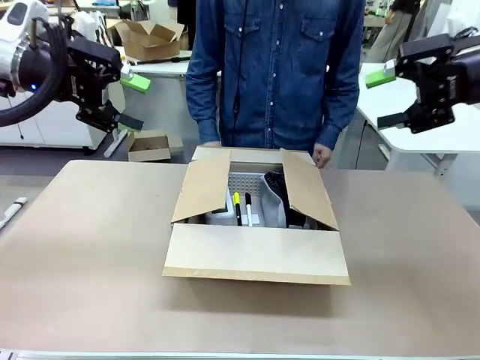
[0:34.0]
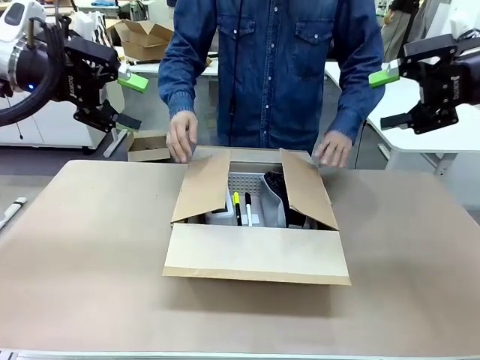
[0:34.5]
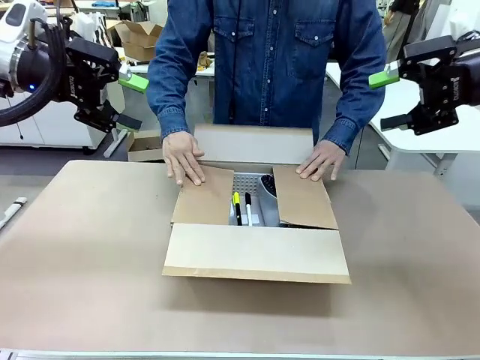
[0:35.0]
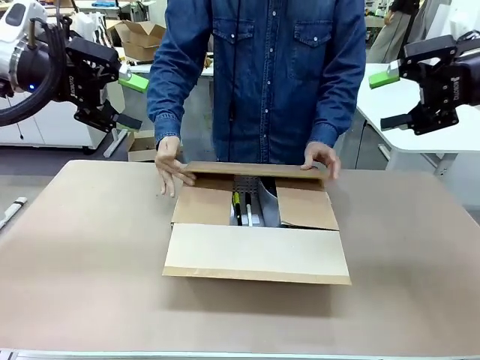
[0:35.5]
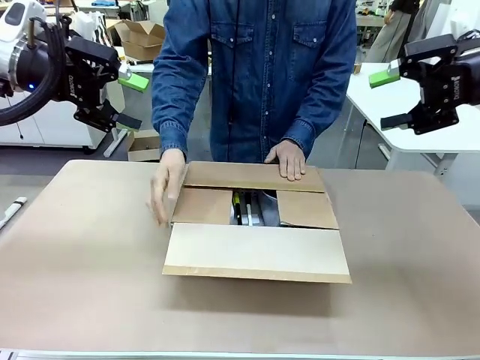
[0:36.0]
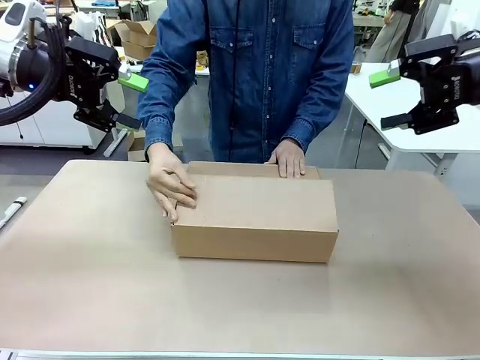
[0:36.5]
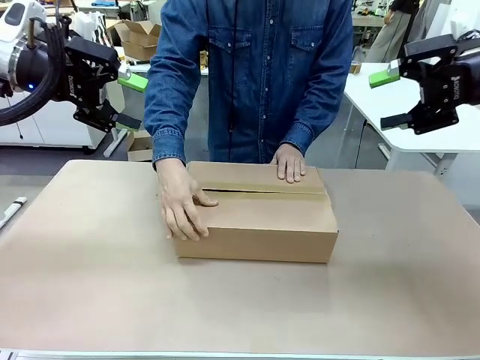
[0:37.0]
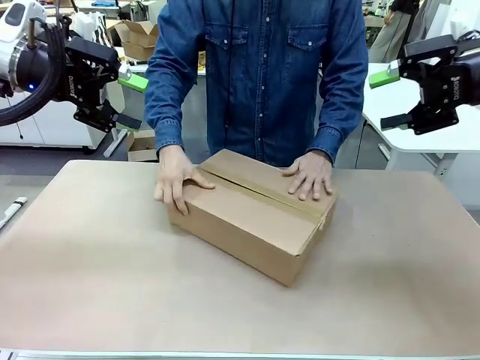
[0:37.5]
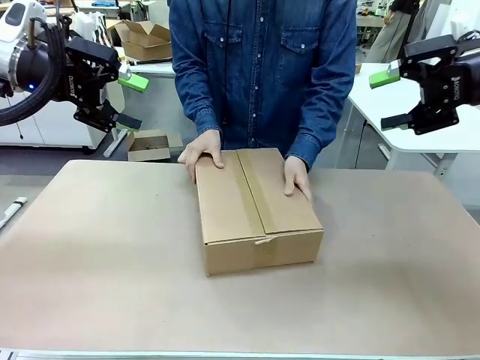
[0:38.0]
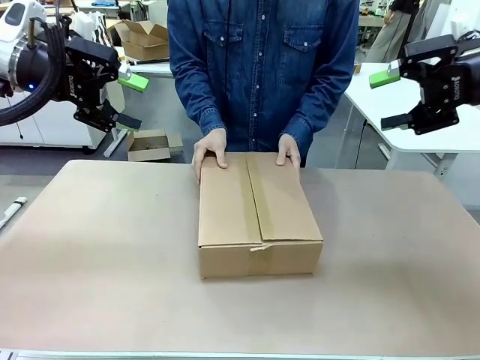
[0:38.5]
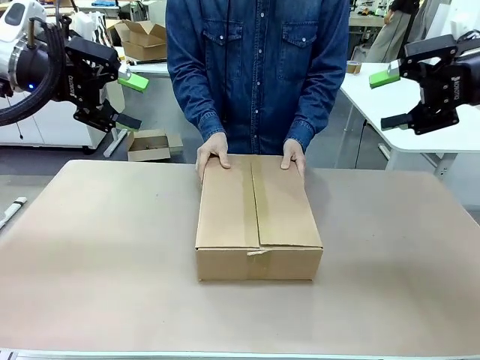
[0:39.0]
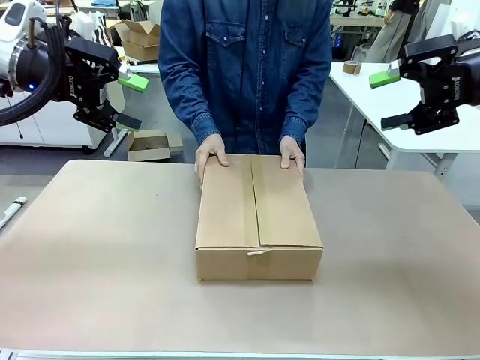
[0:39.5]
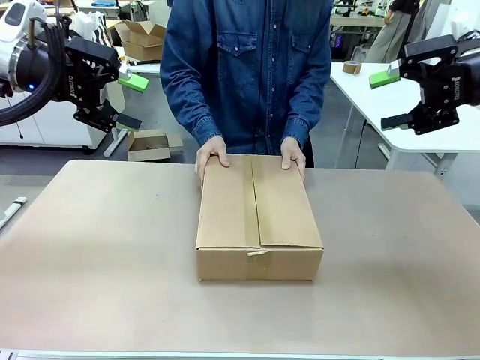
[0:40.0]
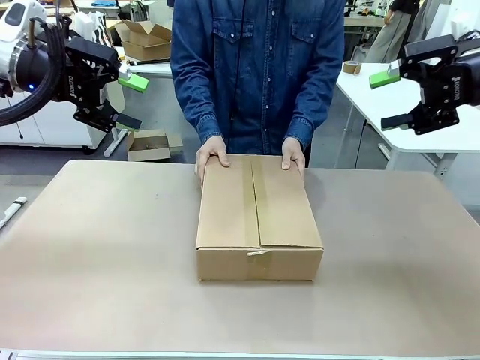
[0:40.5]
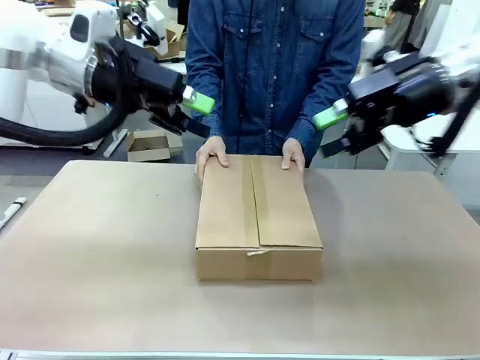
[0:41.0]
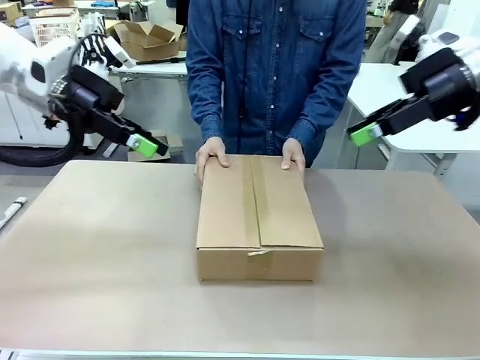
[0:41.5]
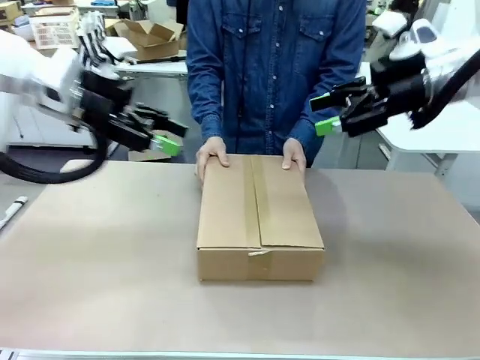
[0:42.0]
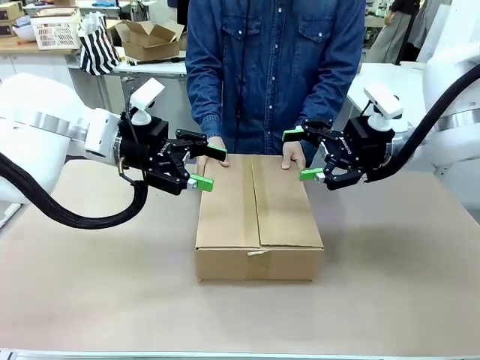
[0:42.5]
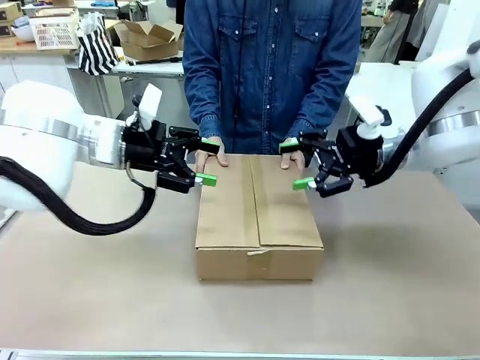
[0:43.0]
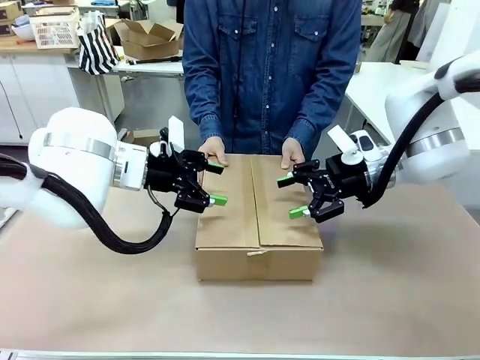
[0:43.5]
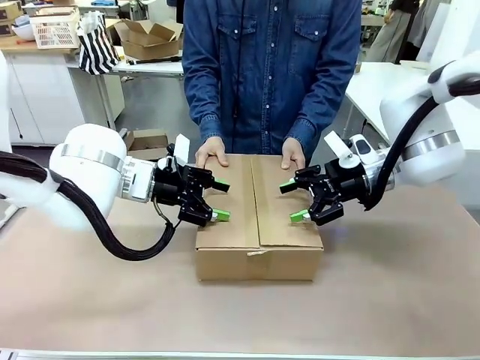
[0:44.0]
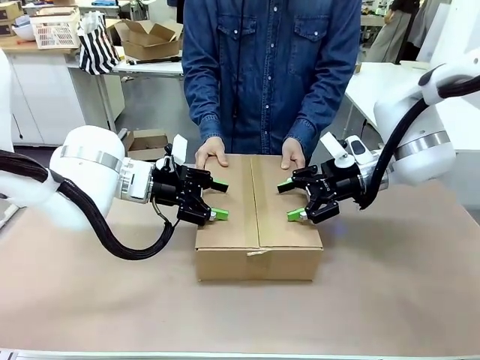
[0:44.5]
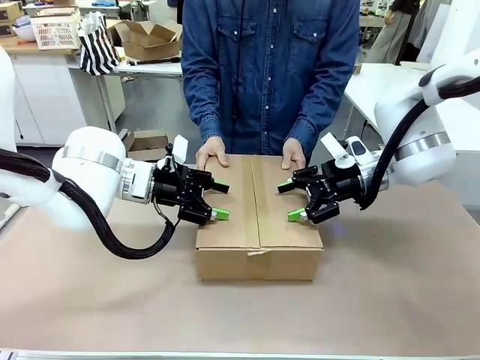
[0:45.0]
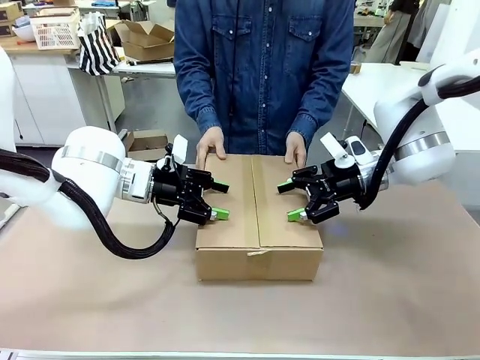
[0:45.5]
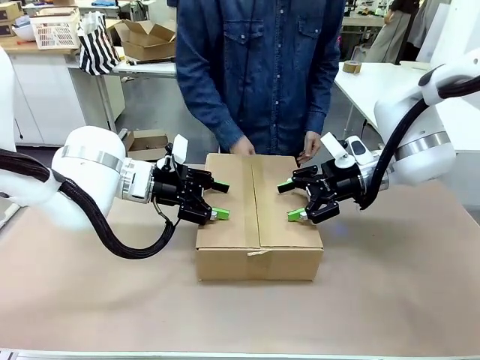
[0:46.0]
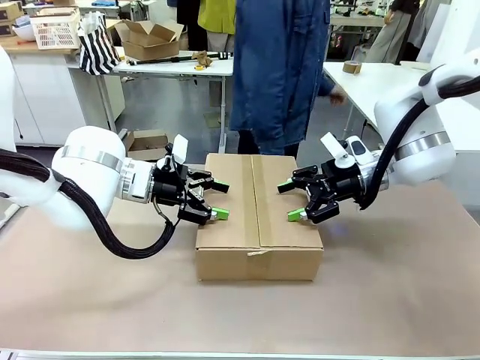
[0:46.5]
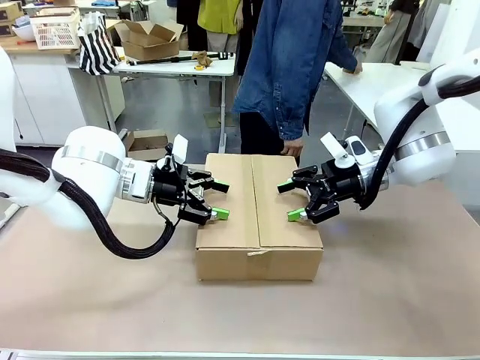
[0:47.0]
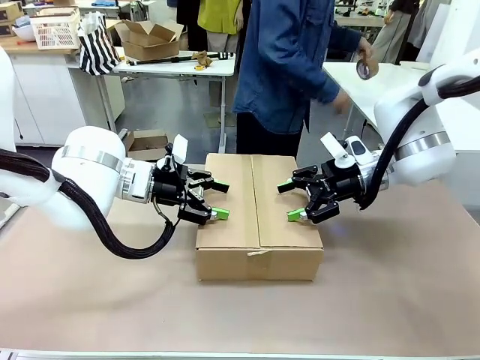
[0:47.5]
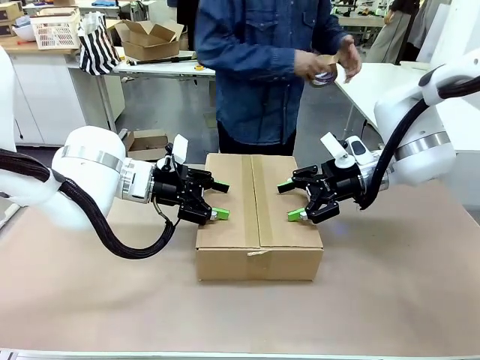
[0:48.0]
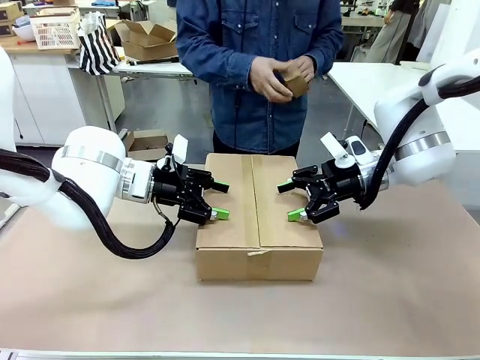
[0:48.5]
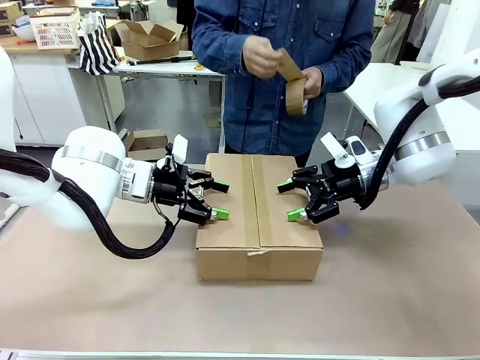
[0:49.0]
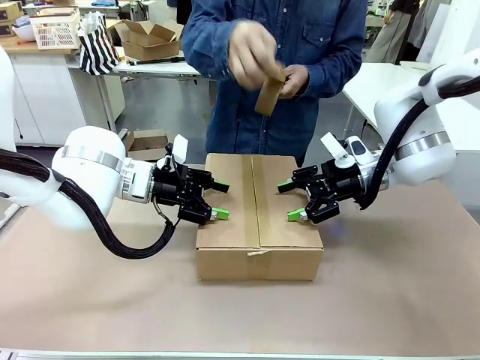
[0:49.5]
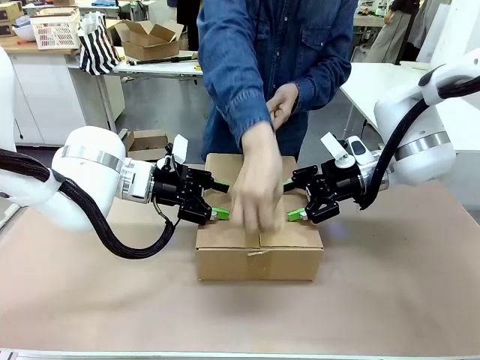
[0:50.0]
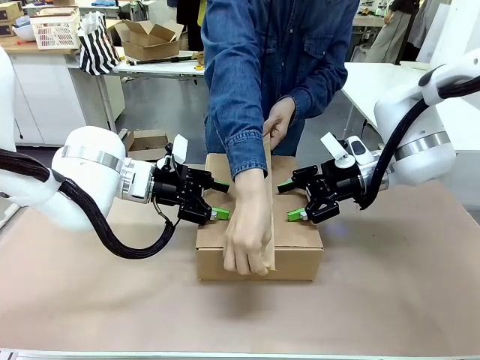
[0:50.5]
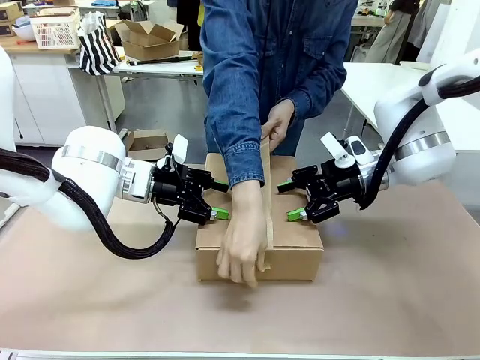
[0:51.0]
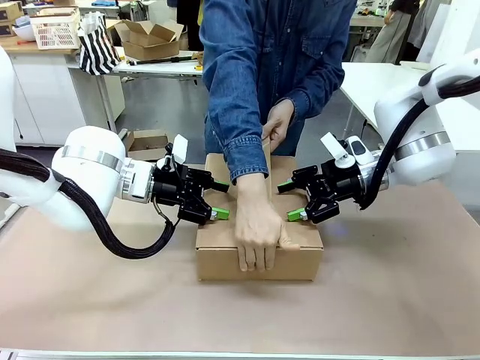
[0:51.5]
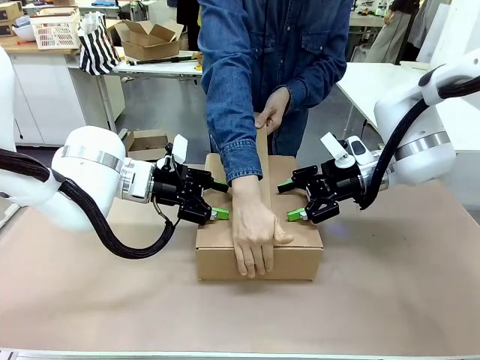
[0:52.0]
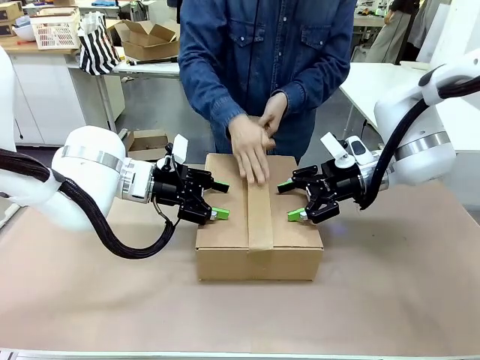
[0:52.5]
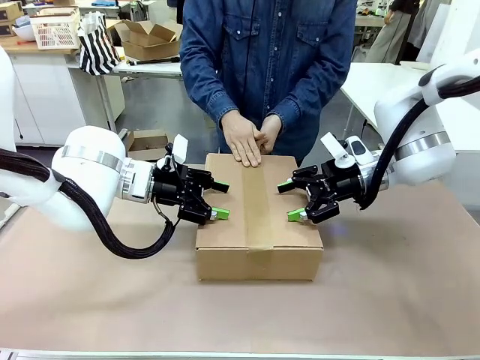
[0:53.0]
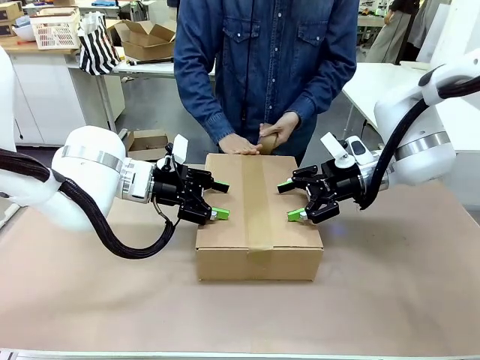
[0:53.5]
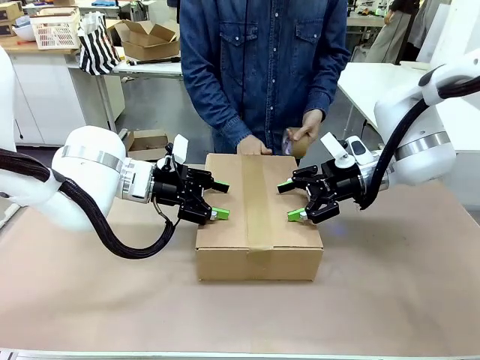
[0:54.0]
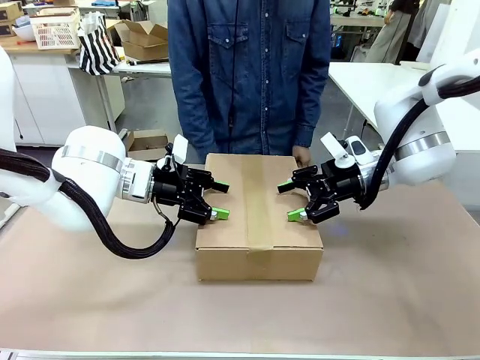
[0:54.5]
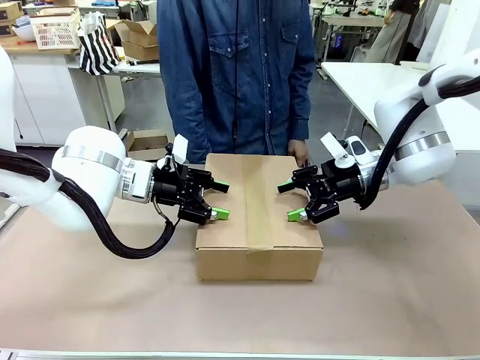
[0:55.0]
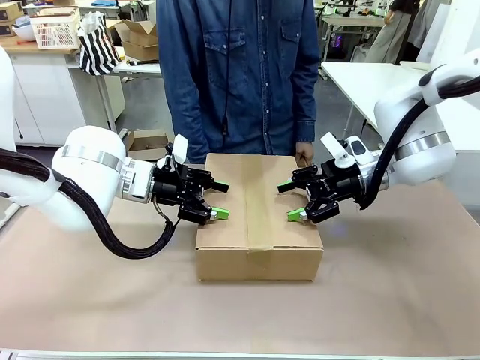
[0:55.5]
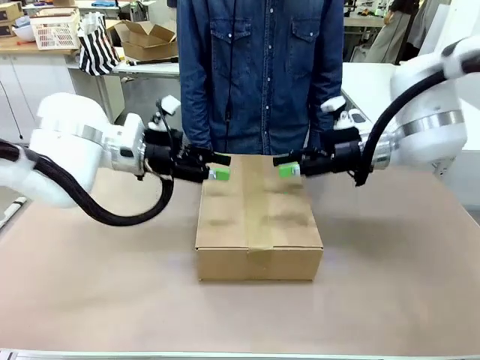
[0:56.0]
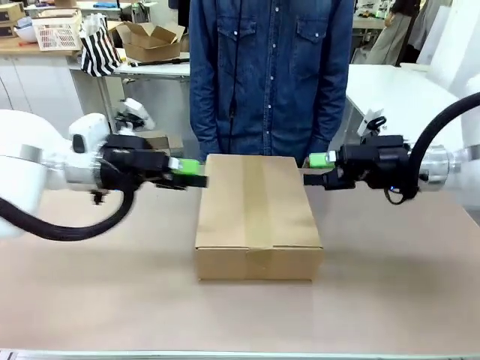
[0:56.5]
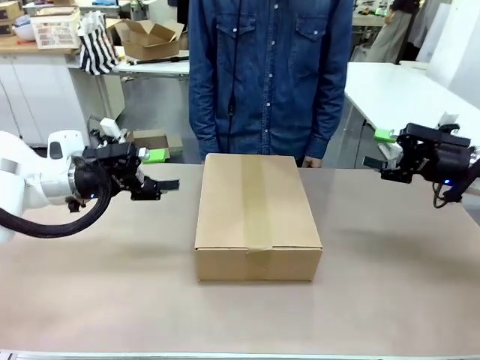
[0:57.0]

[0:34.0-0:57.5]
Task: Pack the gift set into the box.
Robot: Press and hold the closed box until the human finishes sealing it.
Person: The human closes the box and rotates the box by 90 degrees. The human picks up the paper tape from the human table and packs the box.
